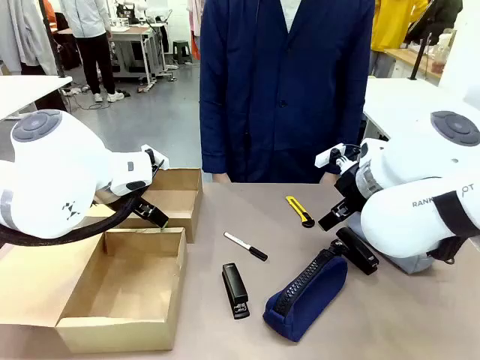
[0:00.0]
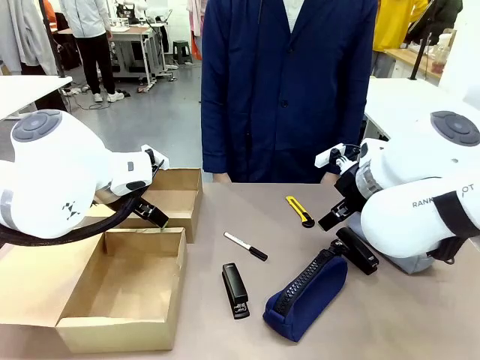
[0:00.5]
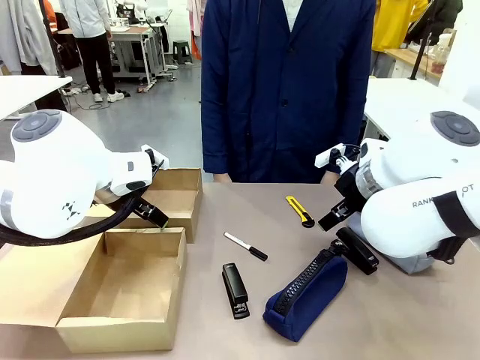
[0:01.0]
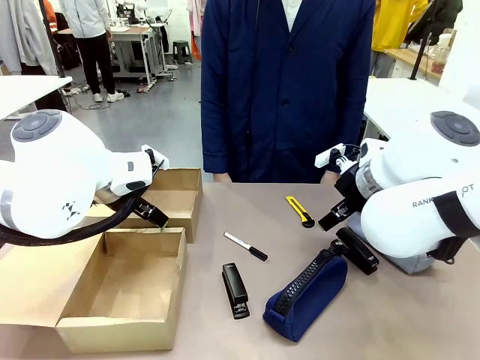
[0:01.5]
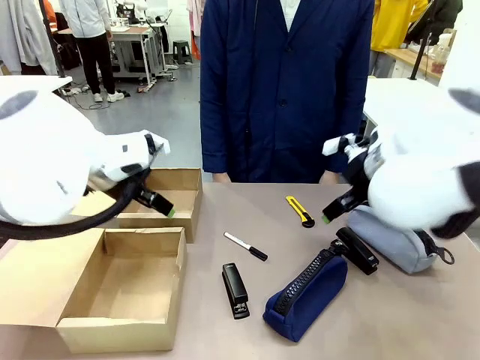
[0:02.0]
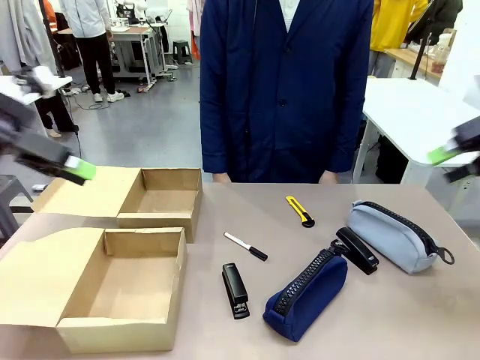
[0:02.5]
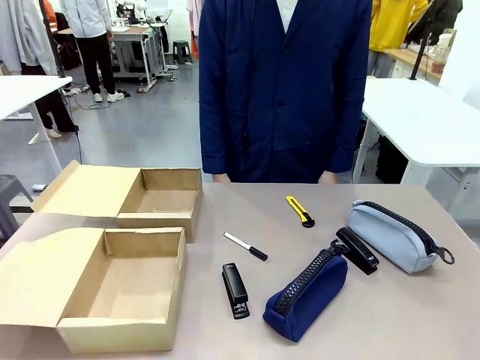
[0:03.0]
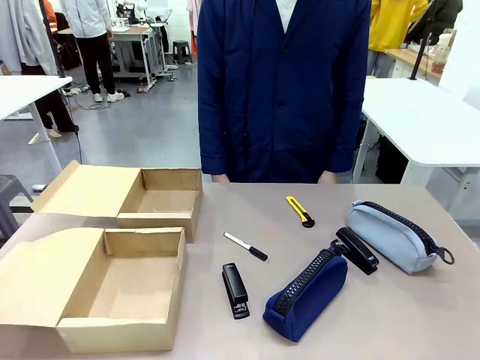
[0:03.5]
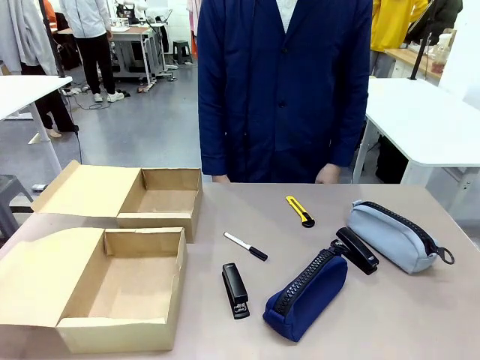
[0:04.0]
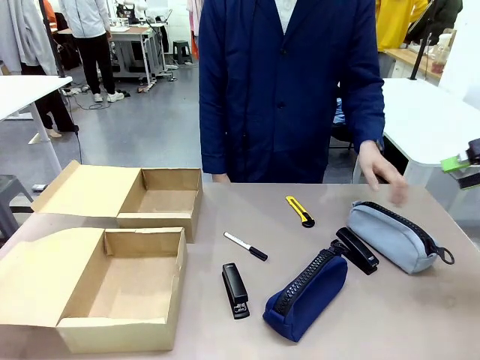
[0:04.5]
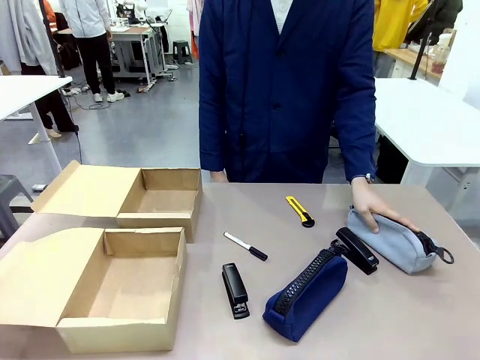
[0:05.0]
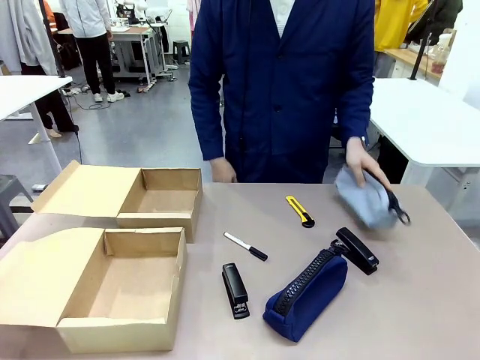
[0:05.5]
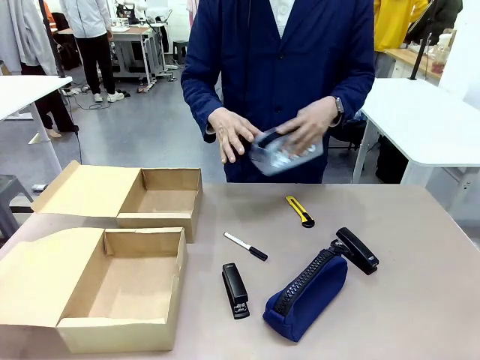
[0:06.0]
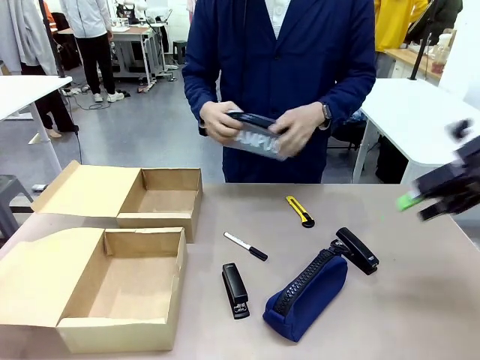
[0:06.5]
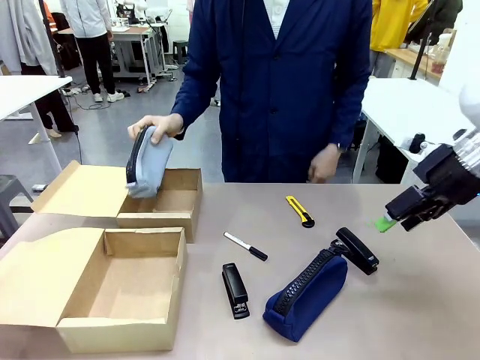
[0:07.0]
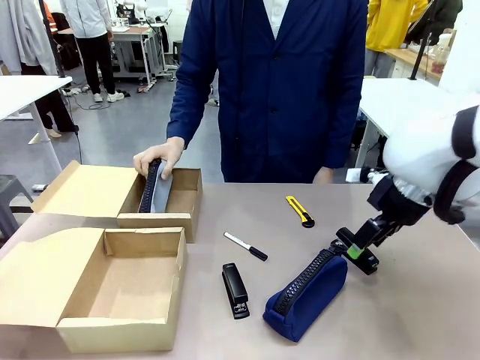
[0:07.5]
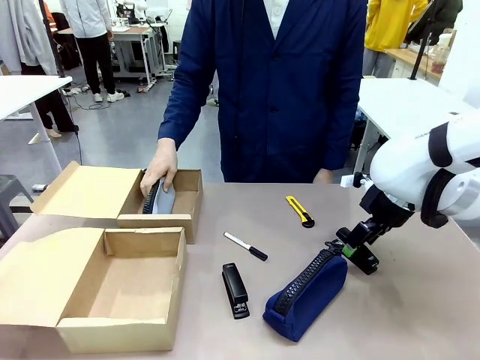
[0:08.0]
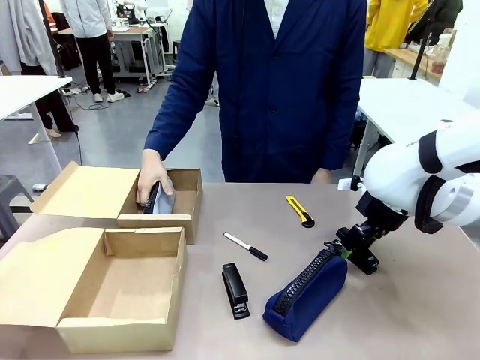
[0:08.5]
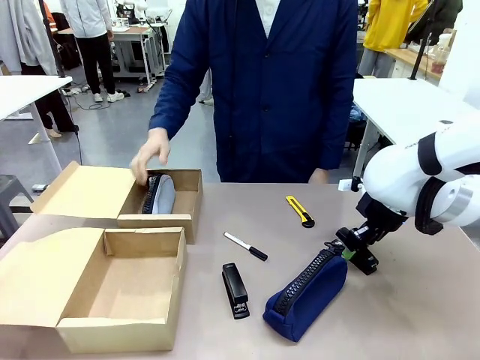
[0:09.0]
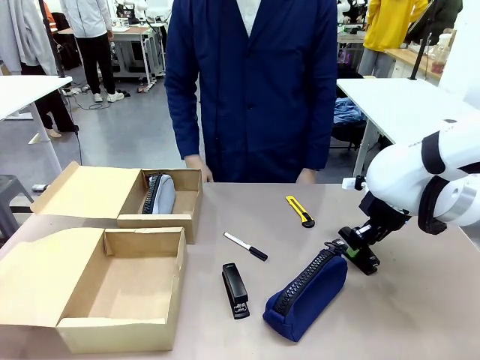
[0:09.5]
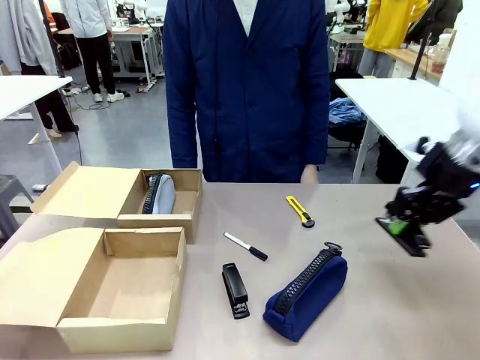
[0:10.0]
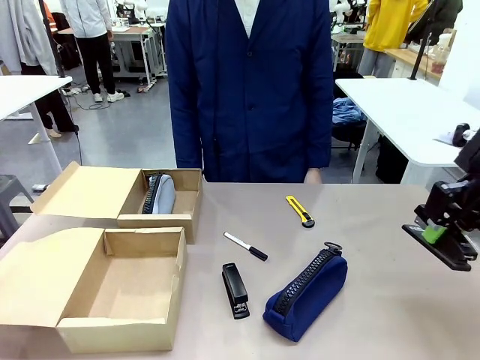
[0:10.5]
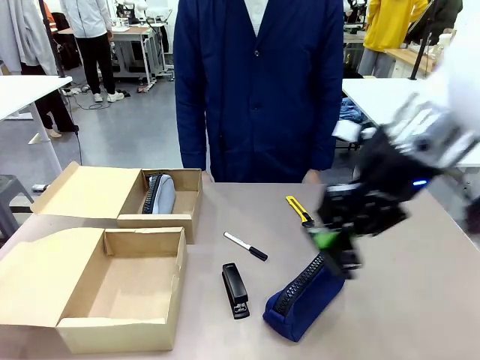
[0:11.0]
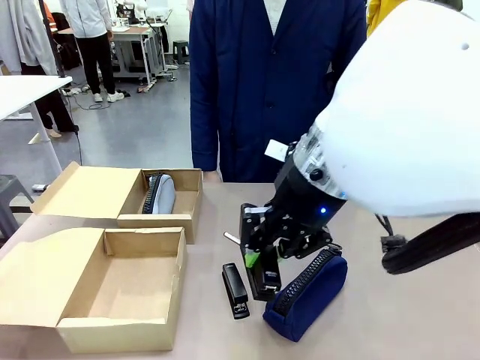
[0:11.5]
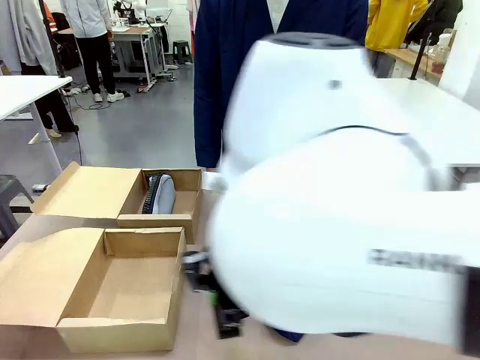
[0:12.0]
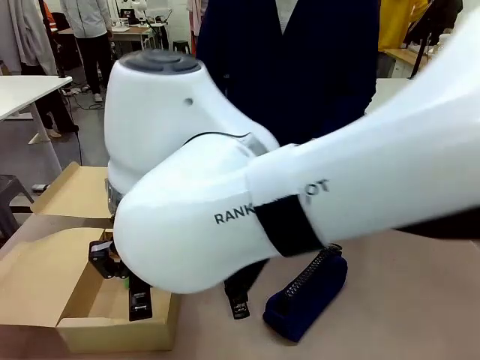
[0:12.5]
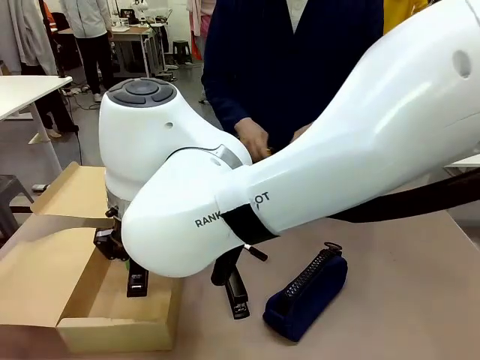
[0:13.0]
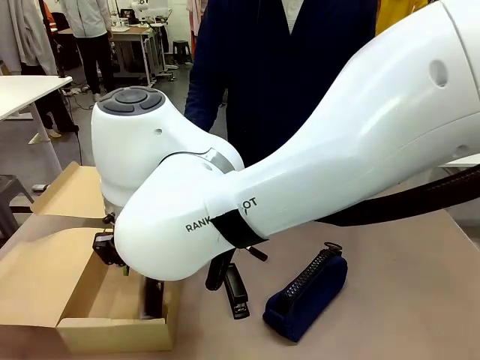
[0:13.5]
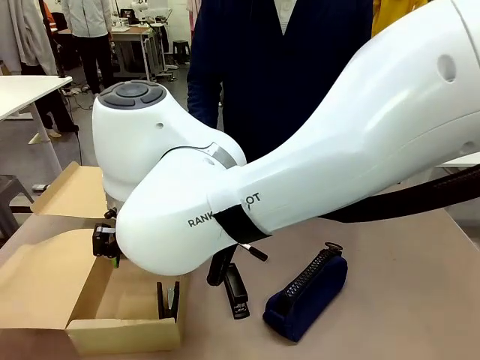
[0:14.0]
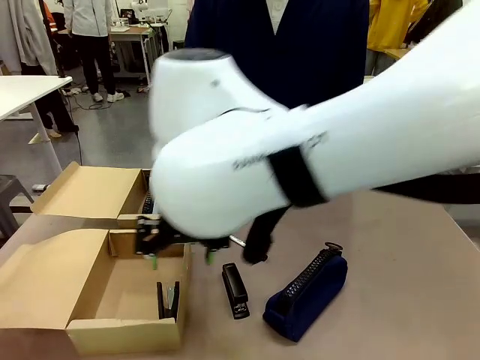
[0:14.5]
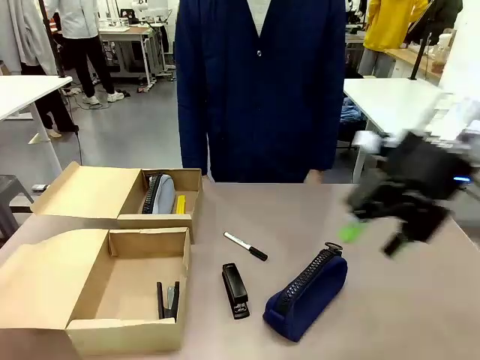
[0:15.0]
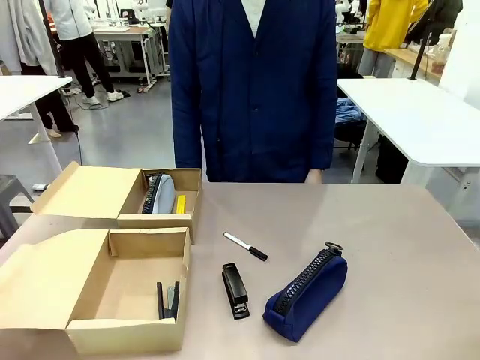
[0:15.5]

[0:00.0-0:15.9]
Task: Place items inside the box.
Robot: Pick up a Pencil pouch or Stapler and place it inside the Mailer Box closest to the robot.
Person: Pick up an object on the table and put it in the box.
